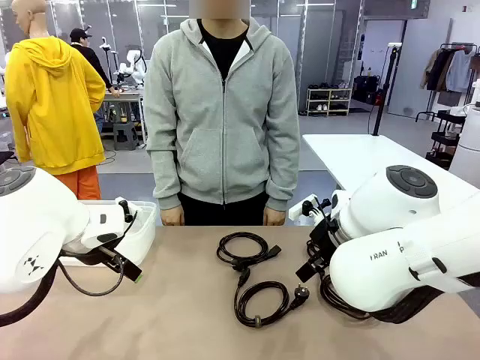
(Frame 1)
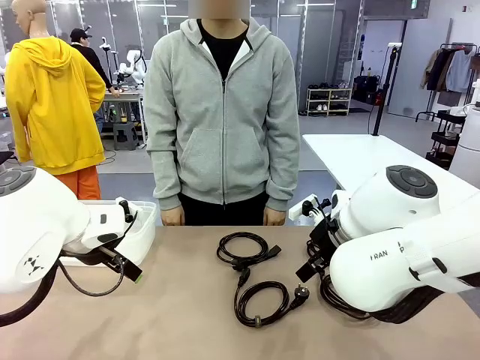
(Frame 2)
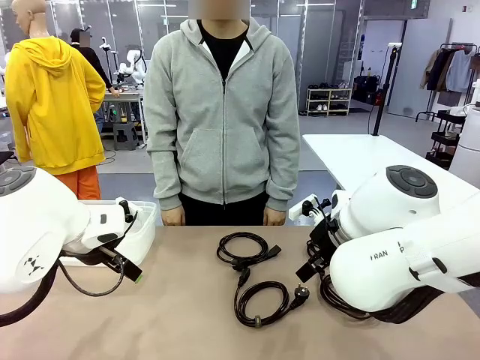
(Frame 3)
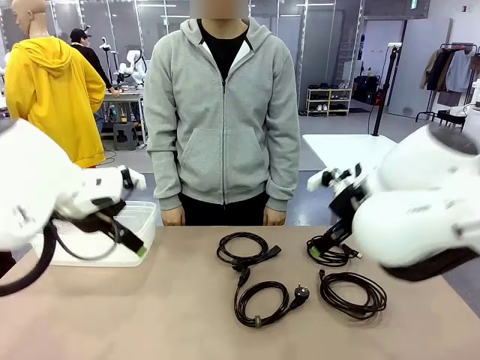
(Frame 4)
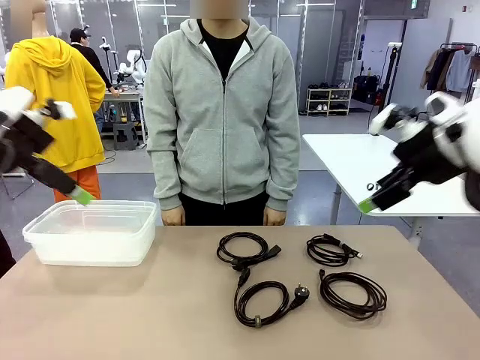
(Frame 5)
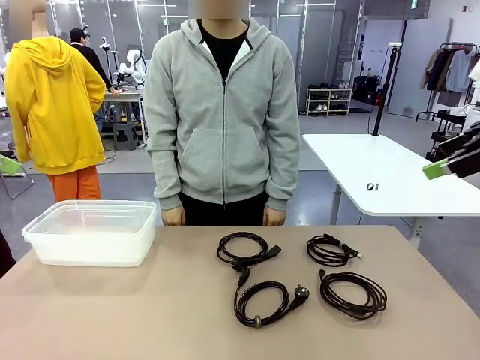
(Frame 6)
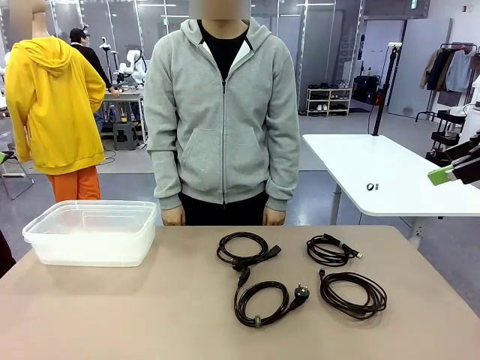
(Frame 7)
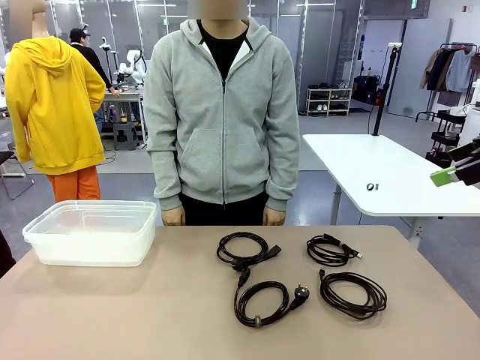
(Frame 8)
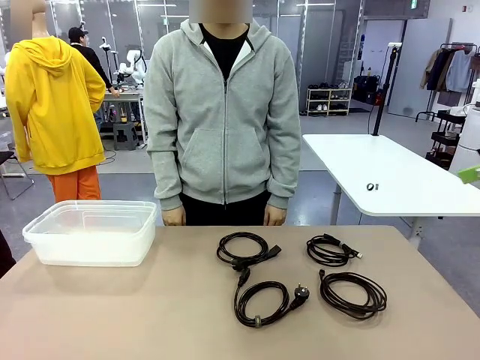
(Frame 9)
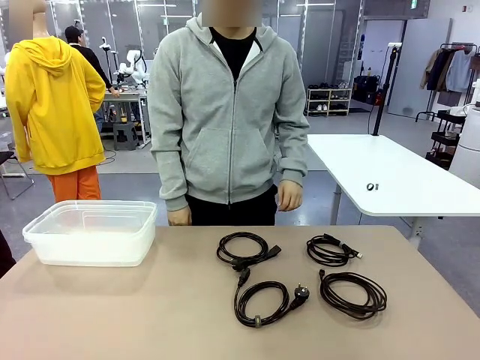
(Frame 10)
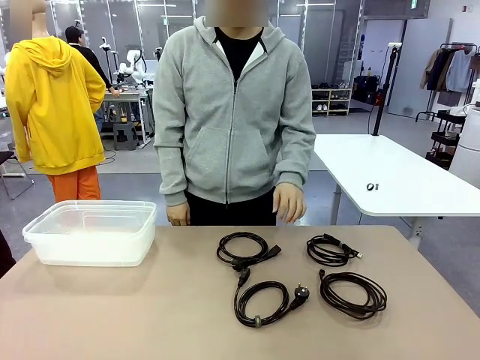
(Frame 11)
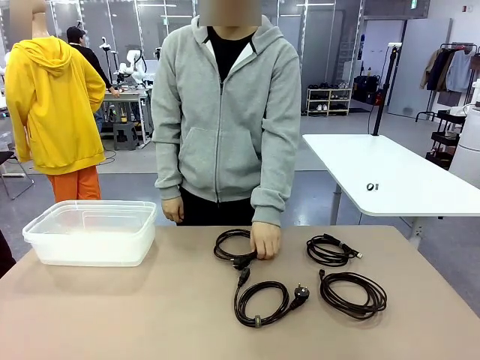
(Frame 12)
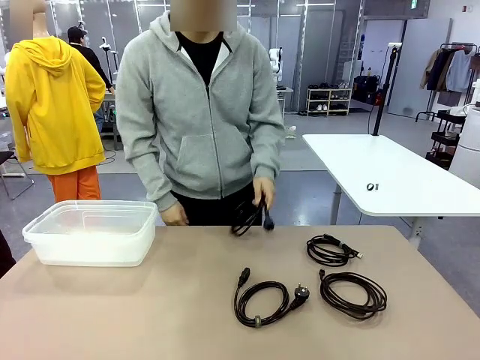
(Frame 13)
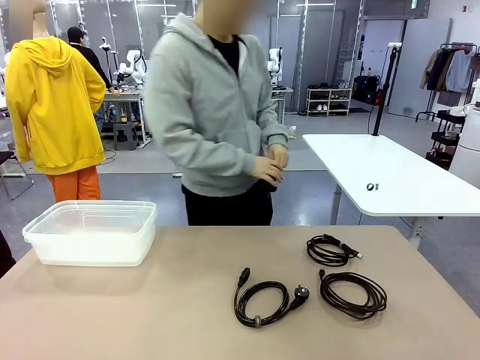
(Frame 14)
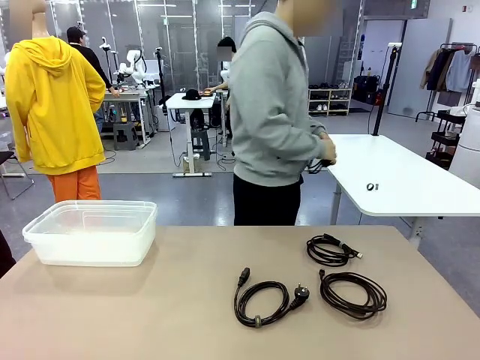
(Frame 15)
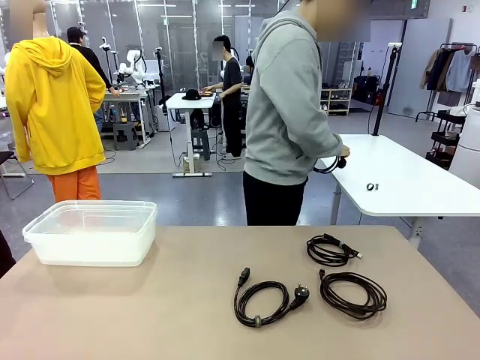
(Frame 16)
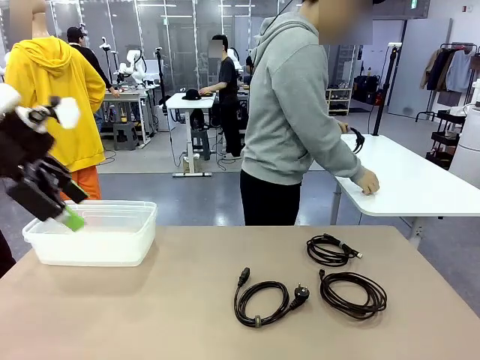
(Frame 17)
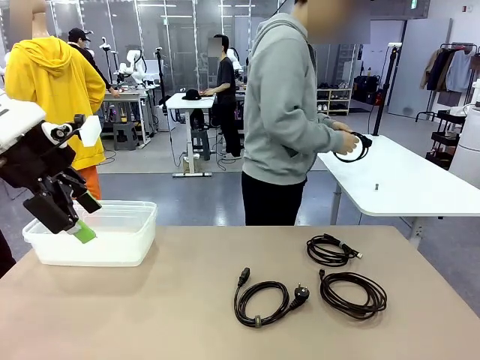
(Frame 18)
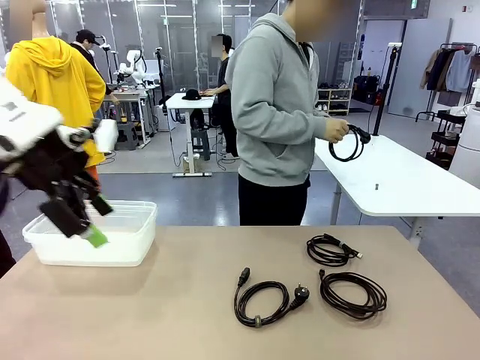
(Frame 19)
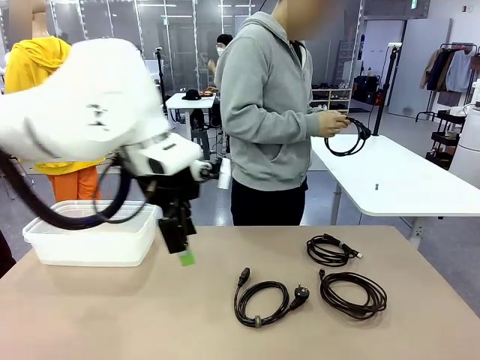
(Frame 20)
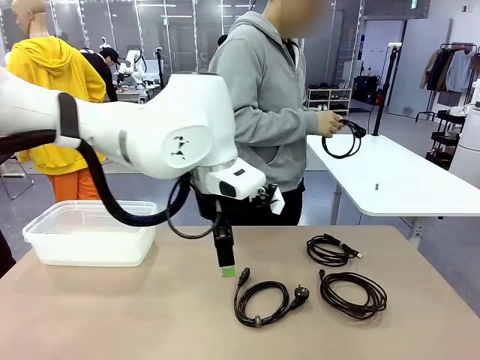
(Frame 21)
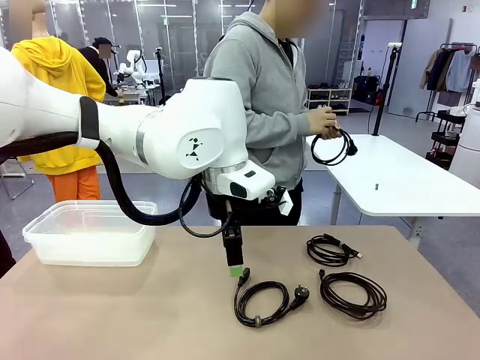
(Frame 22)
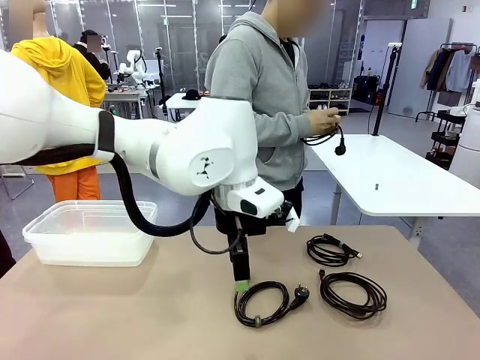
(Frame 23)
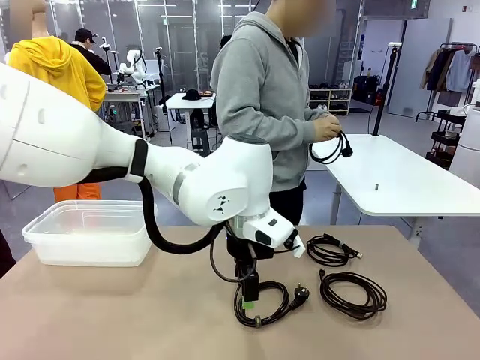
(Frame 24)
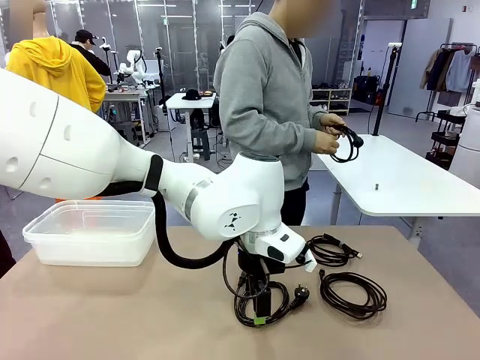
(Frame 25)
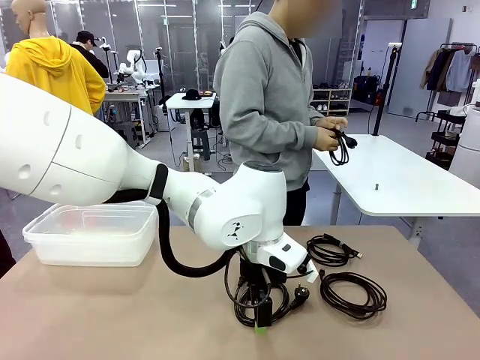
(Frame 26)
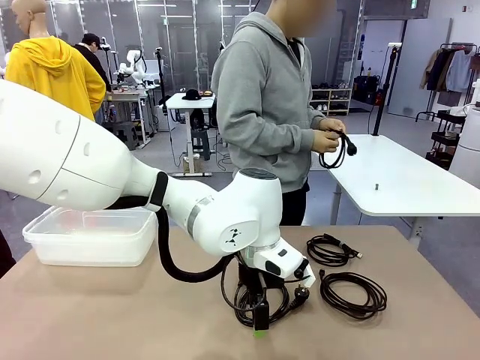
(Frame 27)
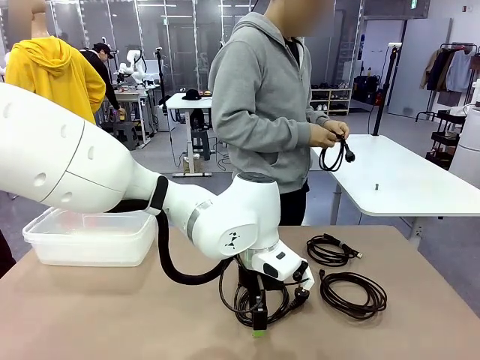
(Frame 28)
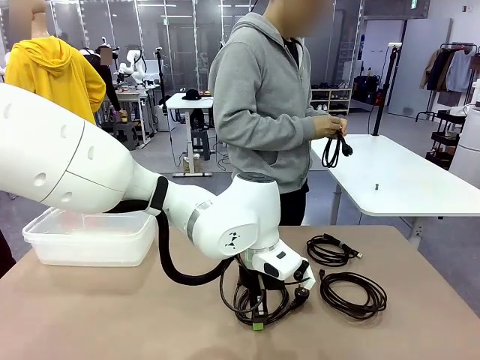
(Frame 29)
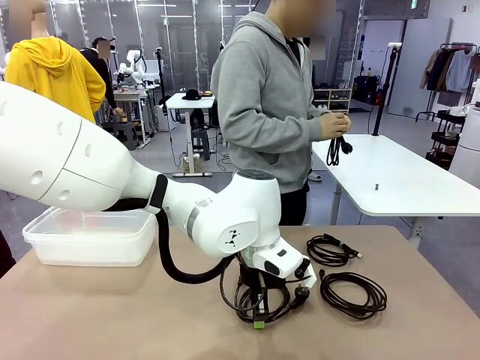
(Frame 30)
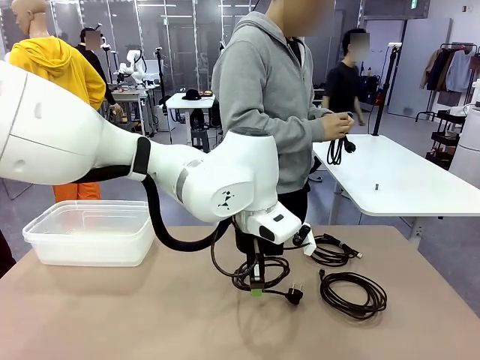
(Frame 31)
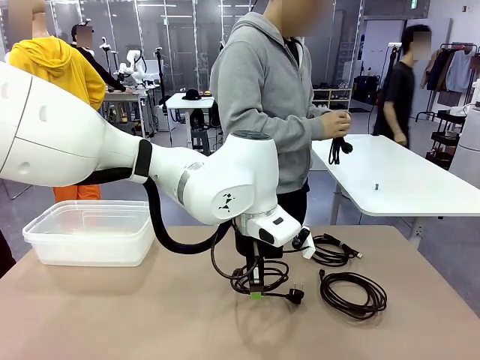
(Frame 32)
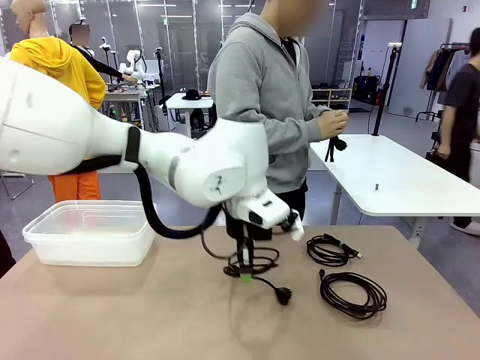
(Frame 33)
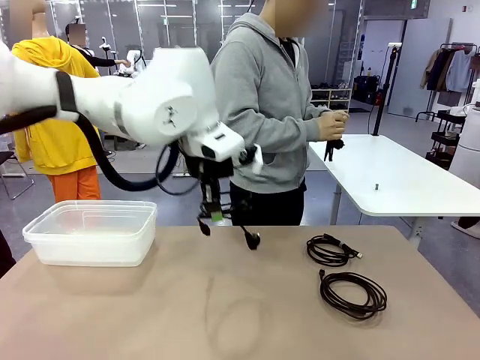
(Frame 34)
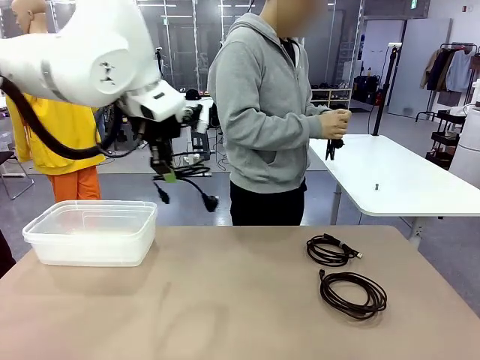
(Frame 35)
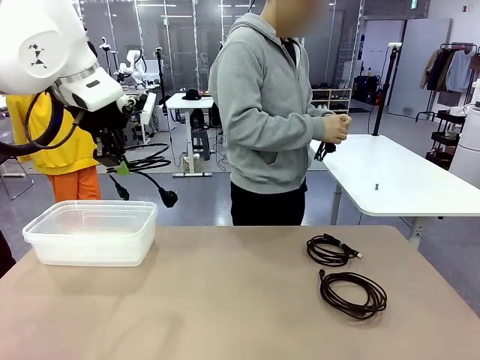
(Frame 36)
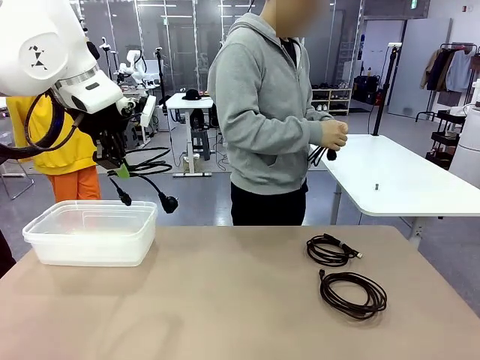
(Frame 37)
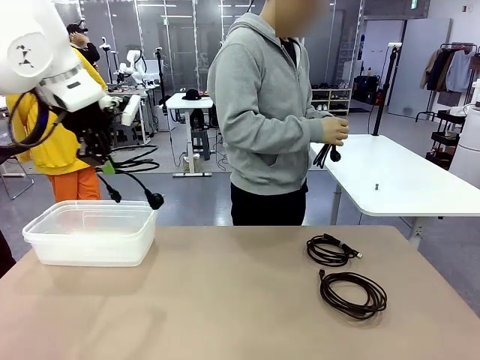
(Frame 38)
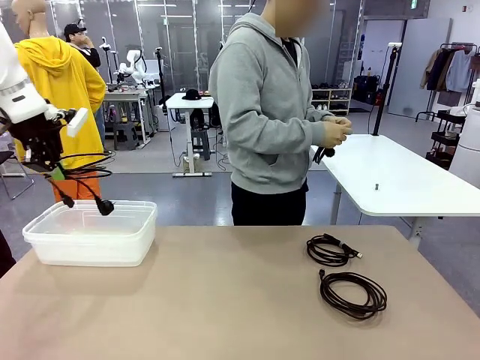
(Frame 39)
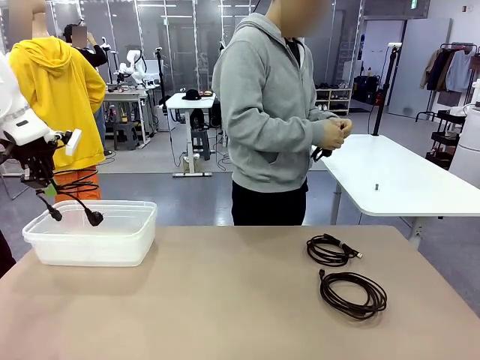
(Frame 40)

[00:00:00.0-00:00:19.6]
Task: Organize and store the cables.
Robot: Place the Power Cable into the Organizing box.
Person: Tie one Power Cable with a Reusable Cable Tie.
